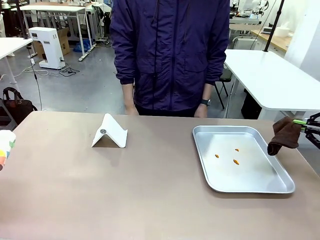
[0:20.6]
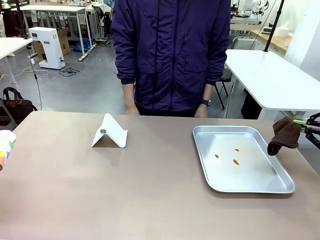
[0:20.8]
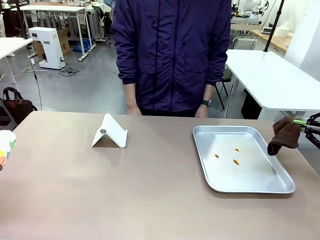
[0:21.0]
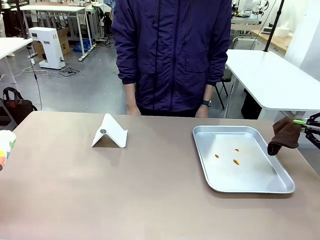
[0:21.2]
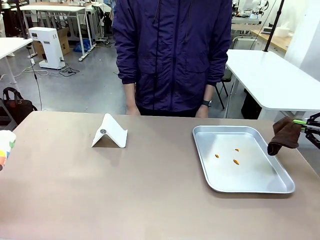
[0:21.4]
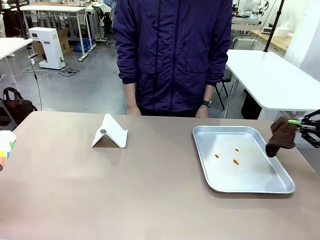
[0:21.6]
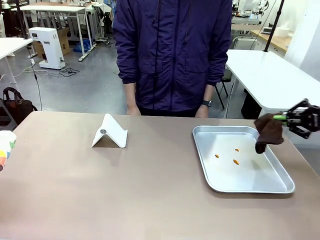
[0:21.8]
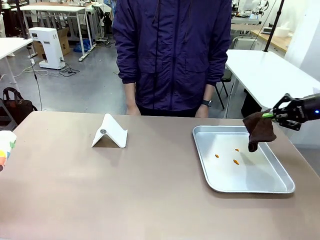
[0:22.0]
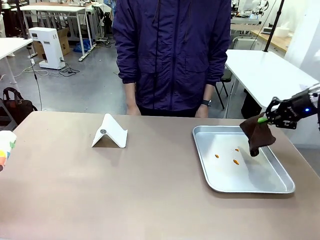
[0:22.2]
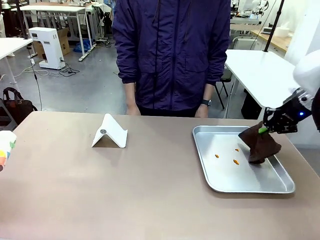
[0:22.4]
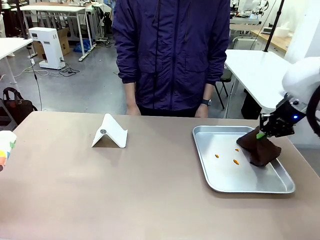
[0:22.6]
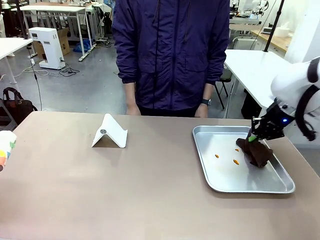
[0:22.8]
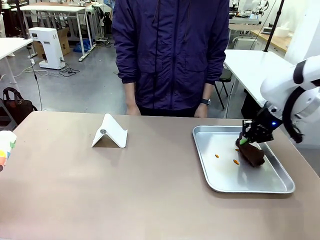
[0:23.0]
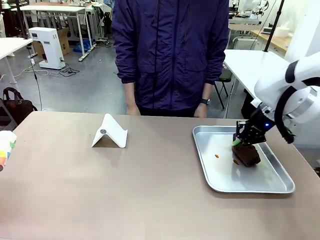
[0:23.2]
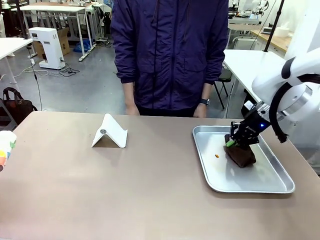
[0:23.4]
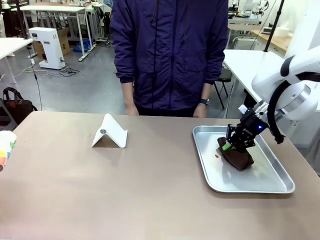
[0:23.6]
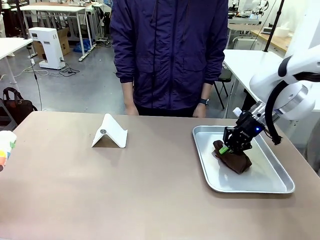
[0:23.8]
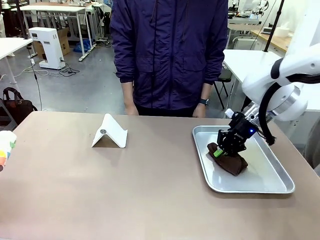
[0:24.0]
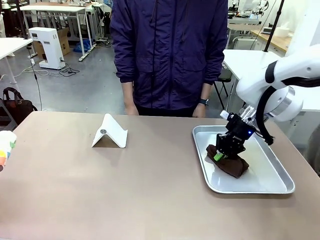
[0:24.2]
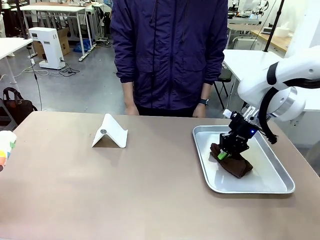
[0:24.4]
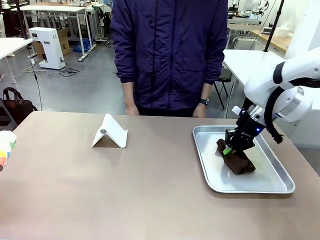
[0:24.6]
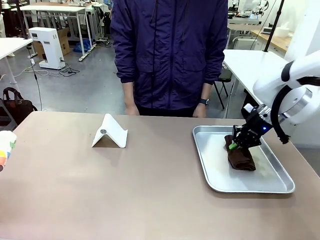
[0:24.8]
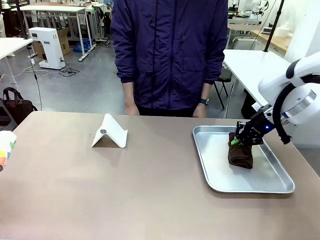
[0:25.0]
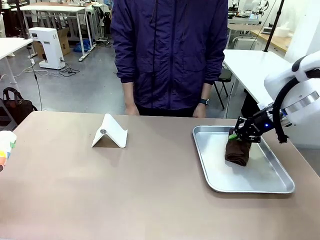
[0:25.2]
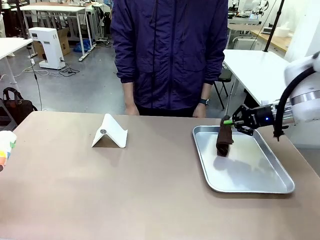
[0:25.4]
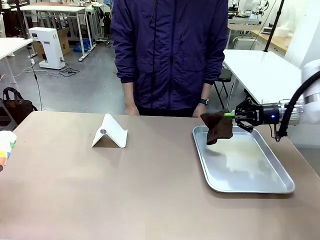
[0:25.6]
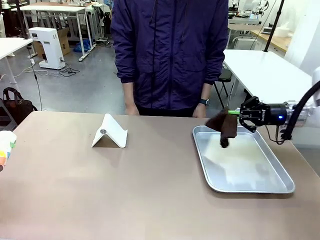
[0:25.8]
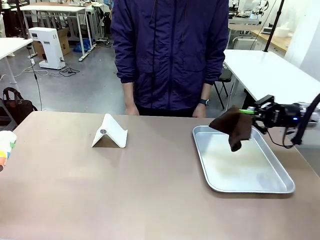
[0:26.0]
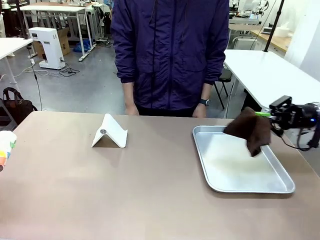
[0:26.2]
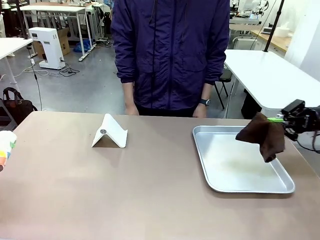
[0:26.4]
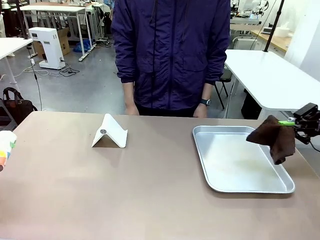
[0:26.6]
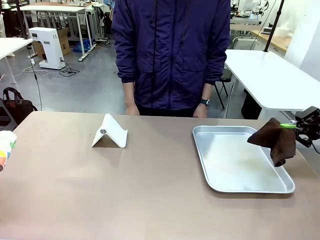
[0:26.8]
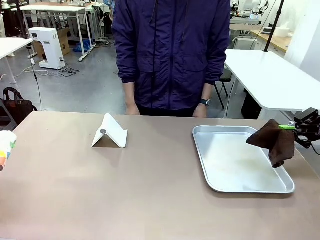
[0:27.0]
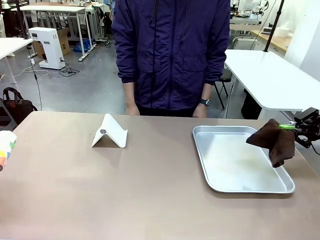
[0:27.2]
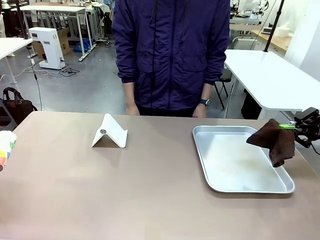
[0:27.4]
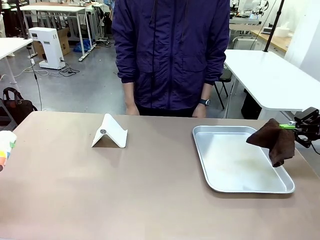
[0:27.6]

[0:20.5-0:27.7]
Task: Clean the surface of the table.
Robot: Clean the area not pointed to by the person.

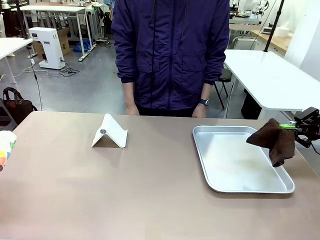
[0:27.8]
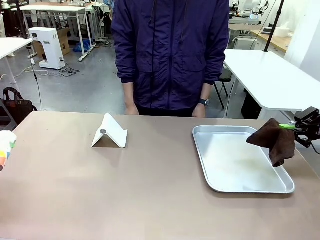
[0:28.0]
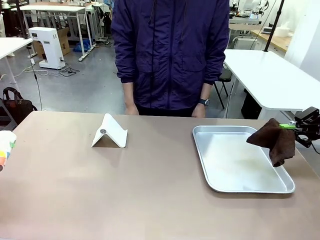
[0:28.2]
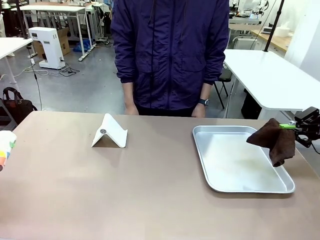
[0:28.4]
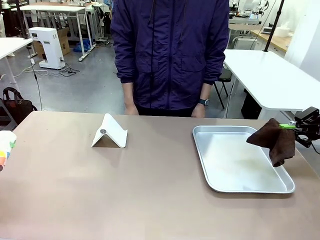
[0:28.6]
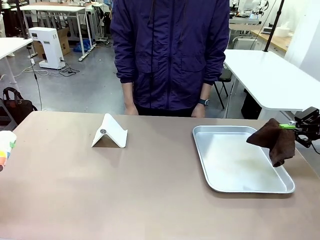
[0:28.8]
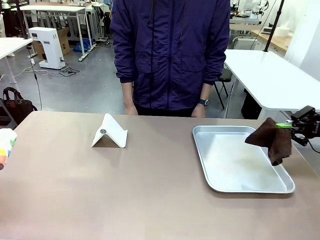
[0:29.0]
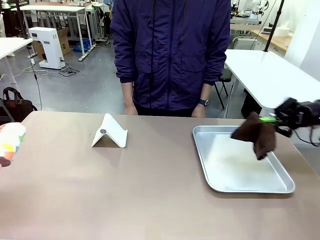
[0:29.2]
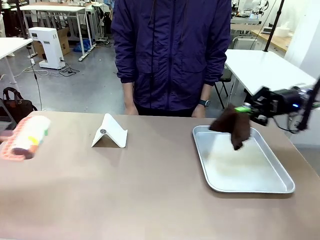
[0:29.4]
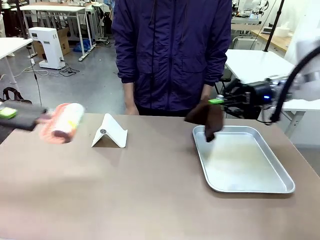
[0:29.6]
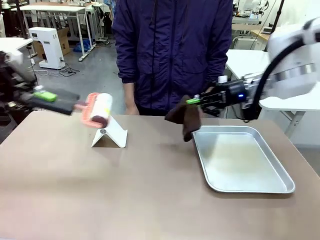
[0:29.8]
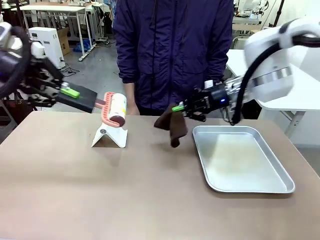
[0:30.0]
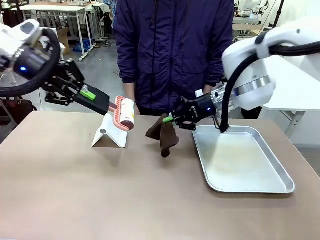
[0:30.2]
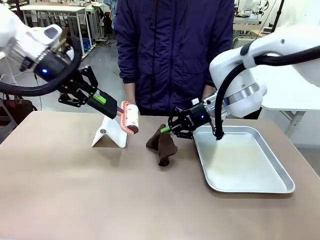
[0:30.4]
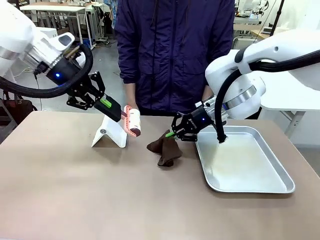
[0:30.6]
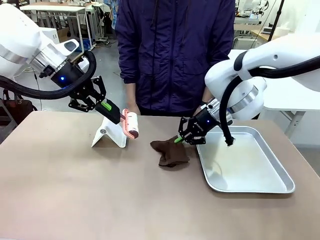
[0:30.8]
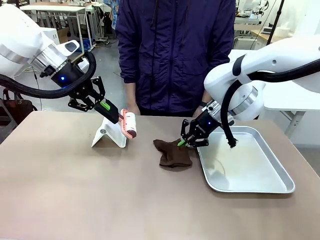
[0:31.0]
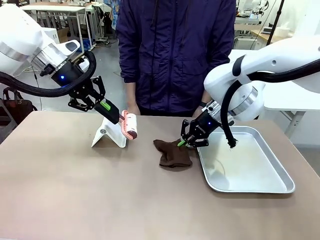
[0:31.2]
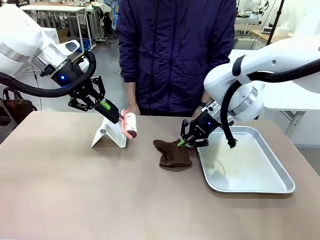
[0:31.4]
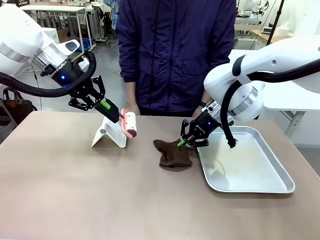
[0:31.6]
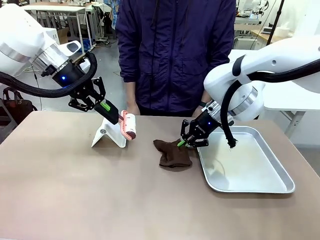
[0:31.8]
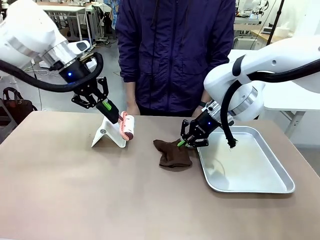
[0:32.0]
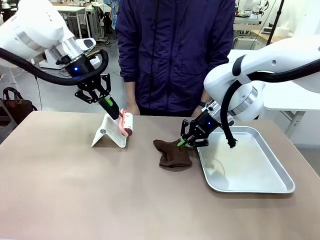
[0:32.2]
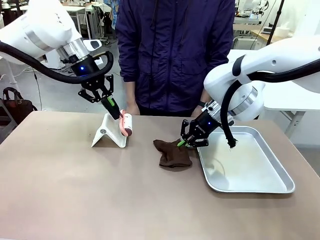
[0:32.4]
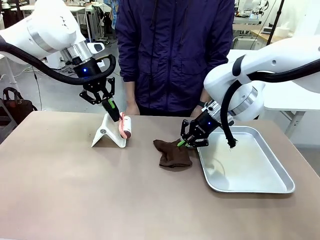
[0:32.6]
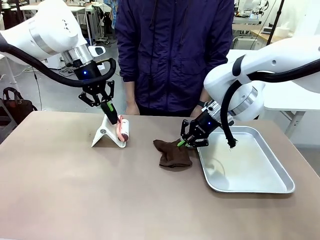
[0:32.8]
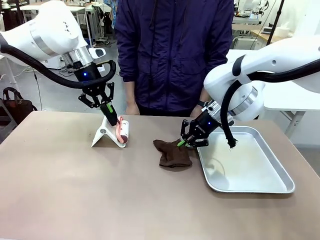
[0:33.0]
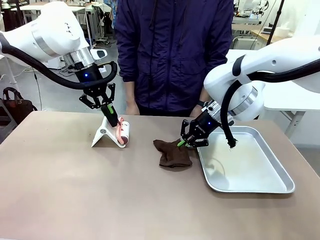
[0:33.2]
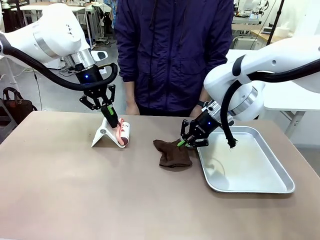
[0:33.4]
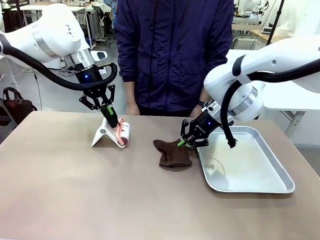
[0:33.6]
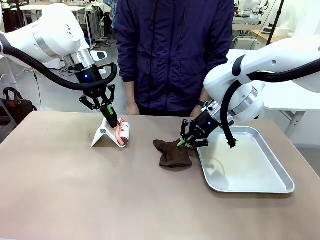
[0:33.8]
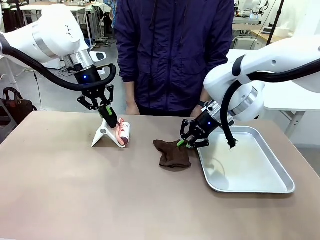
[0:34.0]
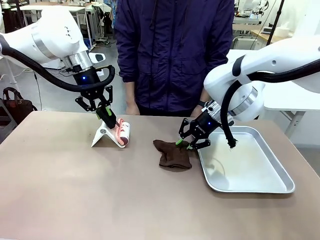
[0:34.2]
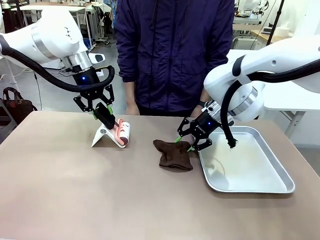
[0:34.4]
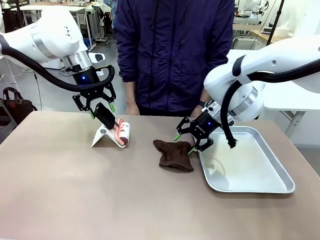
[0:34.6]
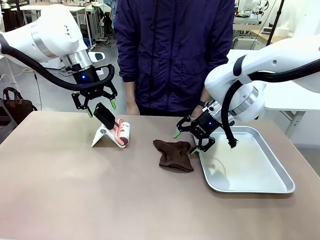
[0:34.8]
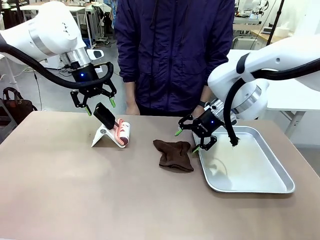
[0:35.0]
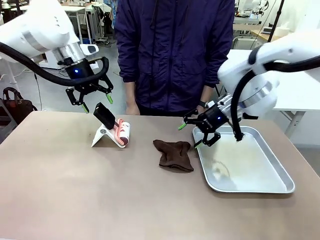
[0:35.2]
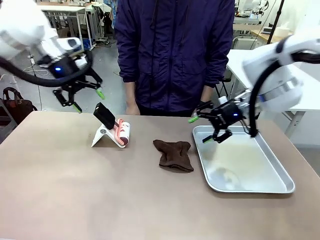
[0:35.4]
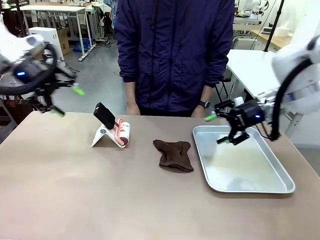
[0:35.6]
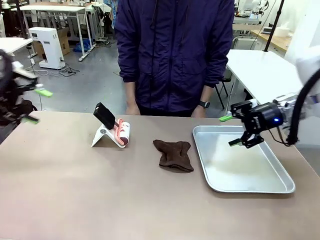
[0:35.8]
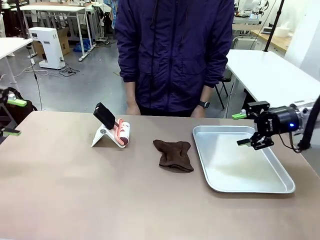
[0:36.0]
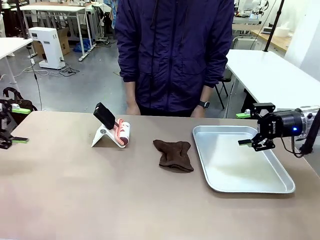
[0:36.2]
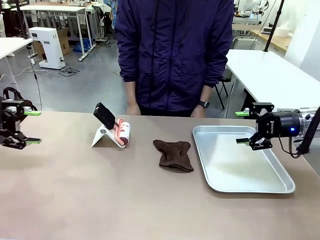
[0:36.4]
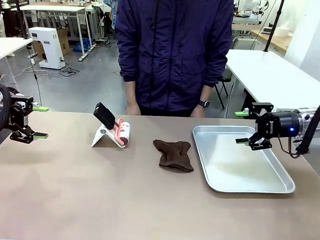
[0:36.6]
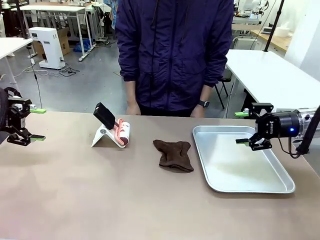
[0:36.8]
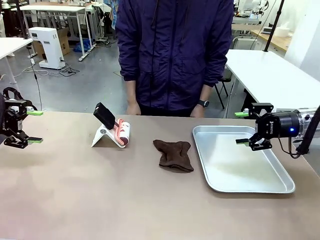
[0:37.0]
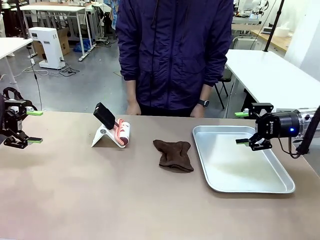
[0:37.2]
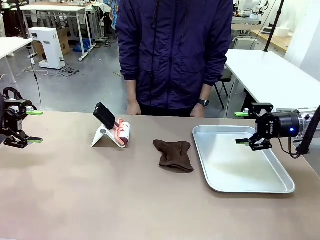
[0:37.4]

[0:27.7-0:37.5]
Robot: Return the Lint Roller and towel to their original positions.
